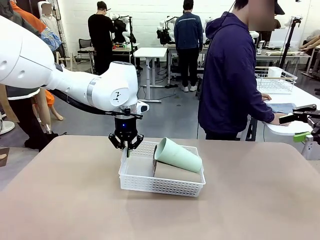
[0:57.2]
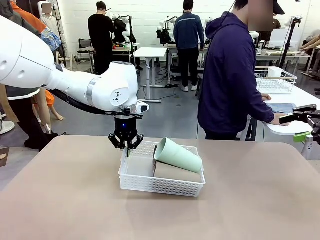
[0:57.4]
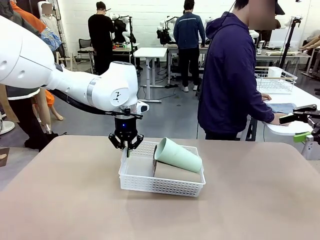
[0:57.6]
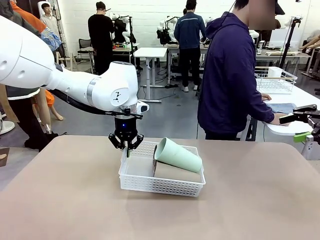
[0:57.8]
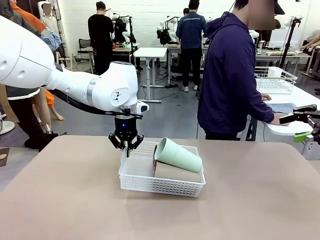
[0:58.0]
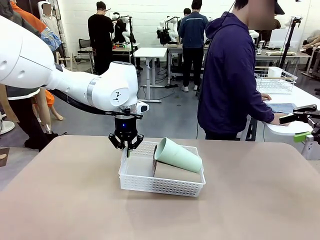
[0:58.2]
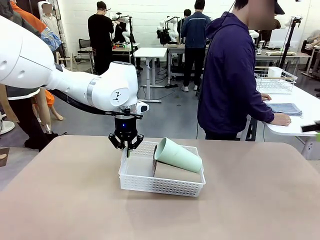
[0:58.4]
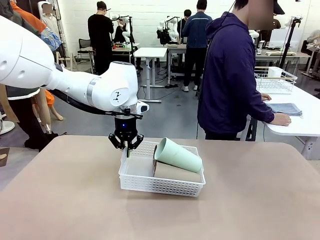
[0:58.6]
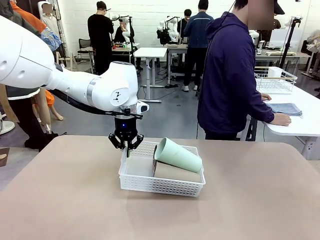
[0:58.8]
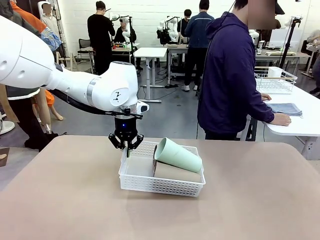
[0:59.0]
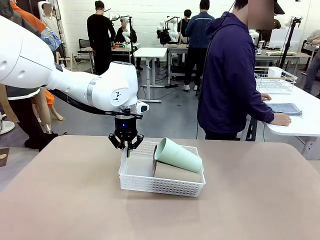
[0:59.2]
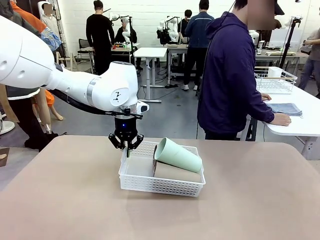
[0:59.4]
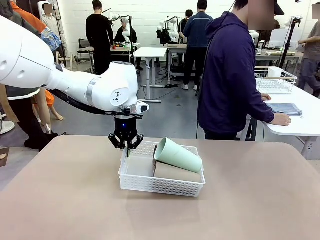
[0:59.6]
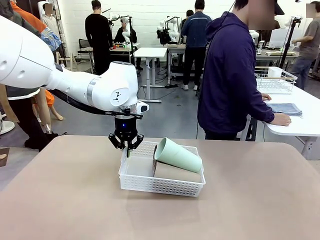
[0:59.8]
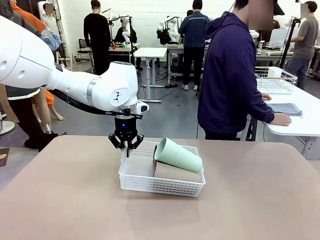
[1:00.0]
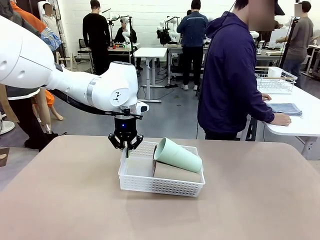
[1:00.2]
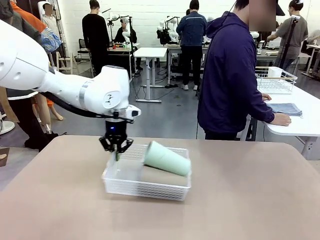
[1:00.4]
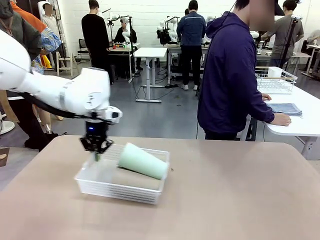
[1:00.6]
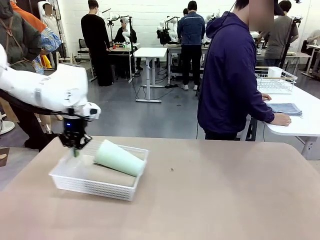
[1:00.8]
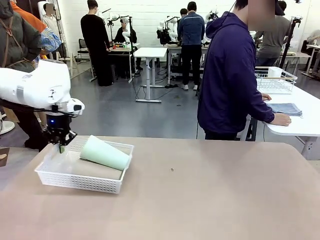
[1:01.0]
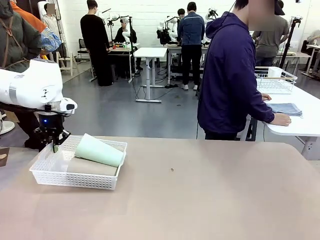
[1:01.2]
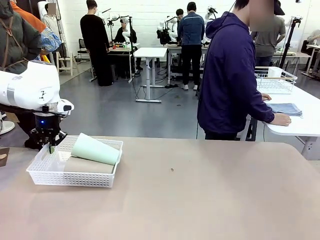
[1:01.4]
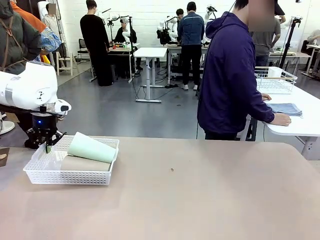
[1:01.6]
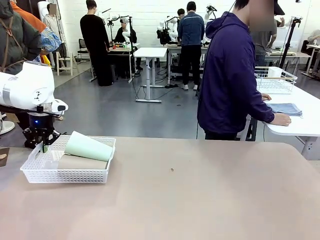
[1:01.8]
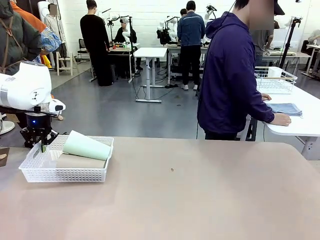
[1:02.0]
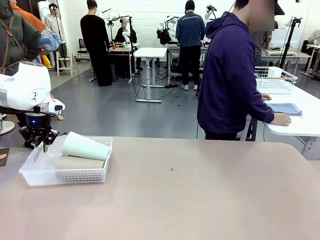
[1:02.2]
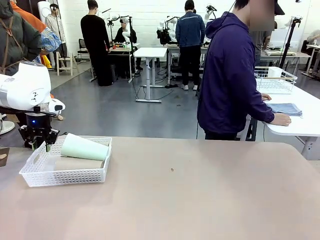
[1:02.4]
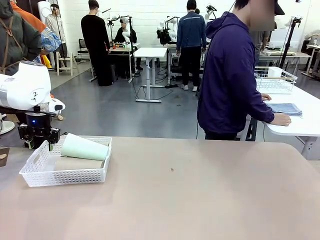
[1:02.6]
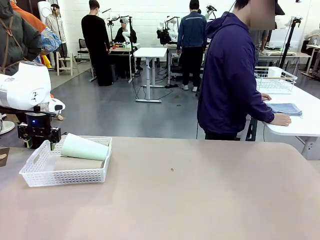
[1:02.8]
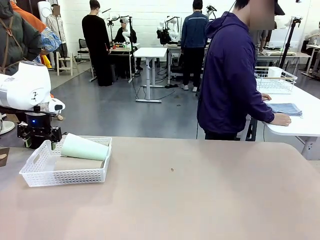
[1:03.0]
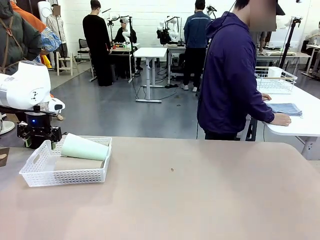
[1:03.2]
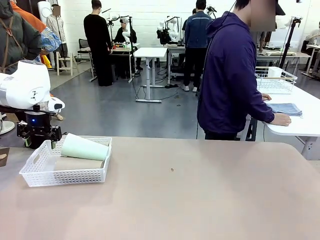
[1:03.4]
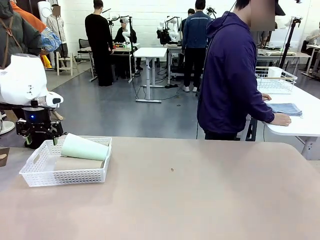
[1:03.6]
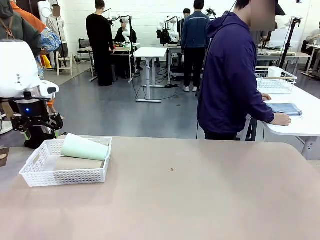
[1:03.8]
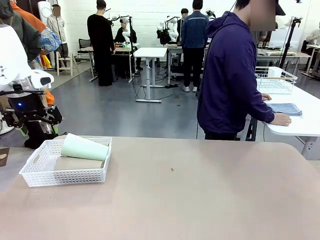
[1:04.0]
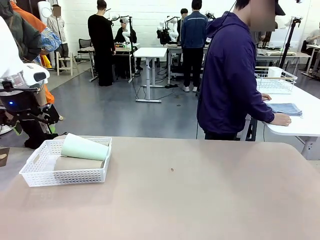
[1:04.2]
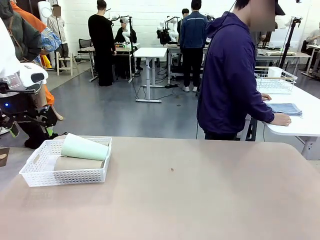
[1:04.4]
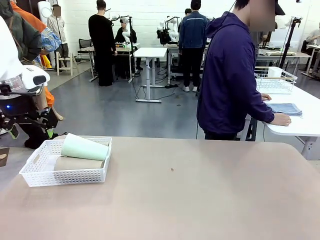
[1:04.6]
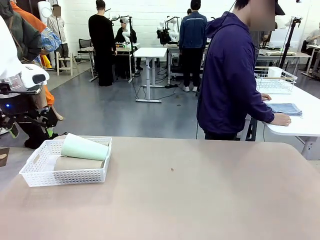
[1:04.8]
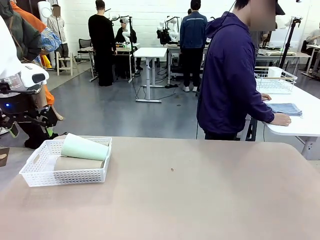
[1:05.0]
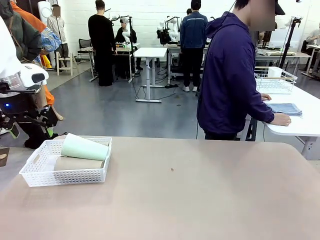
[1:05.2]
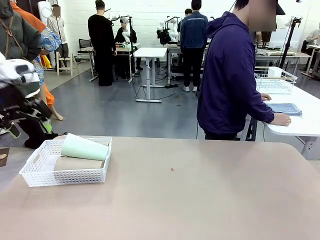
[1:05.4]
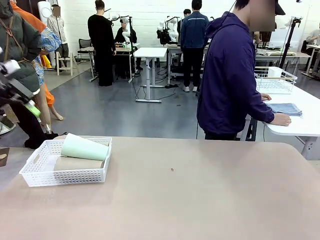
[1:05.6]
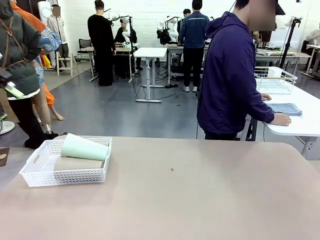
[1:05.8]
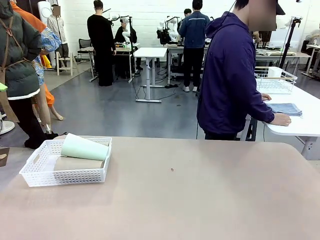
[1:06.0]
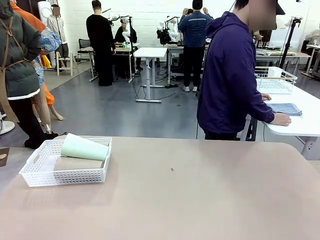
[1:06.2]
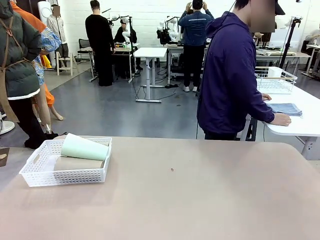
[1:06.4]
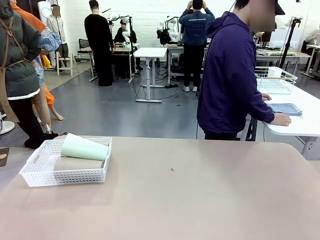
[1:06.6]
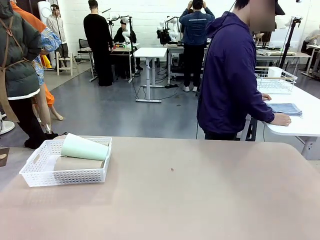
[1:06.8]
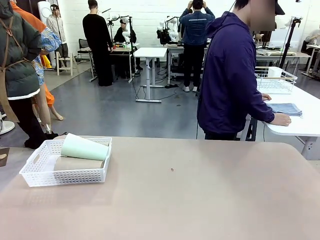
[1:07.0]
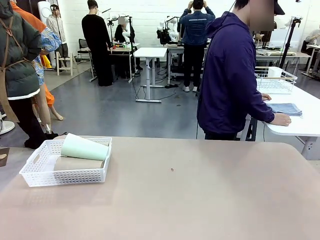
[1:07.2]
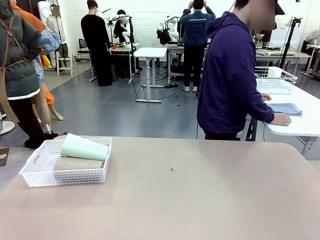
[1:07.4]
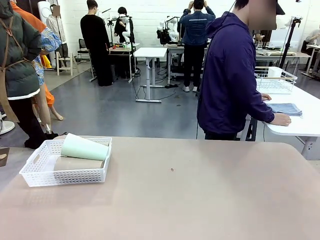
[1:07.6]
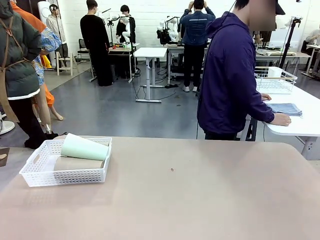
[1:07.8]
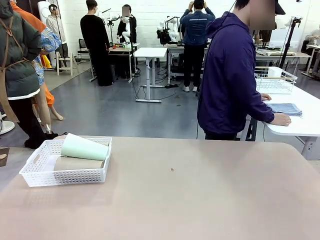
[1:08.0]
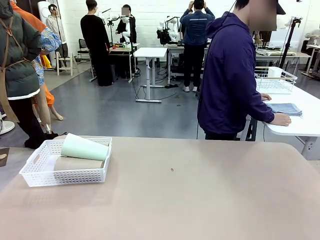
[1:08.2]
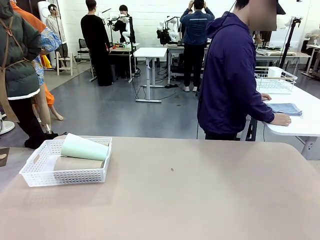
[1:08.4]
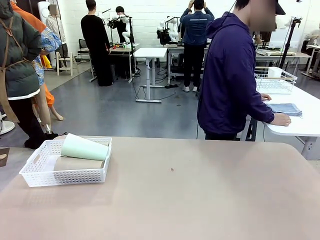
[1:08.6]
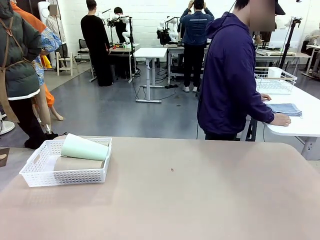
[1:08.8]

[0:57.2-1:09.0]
Task: Clean and organize the cups into the basket.
Robot: Move the Organizing basket back to the left side of the table.
Person: Folds the towel in half twice and places it in the right of the table.

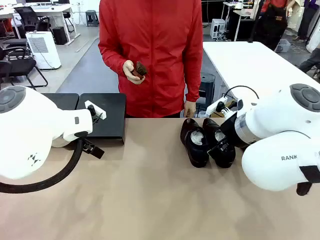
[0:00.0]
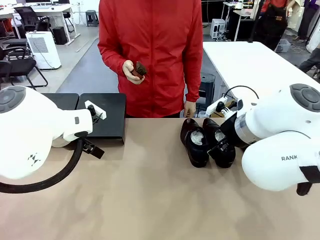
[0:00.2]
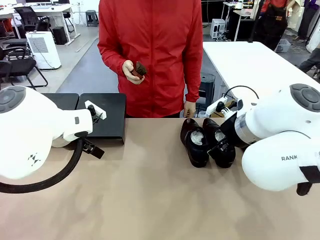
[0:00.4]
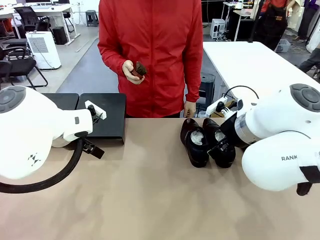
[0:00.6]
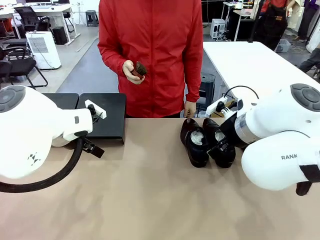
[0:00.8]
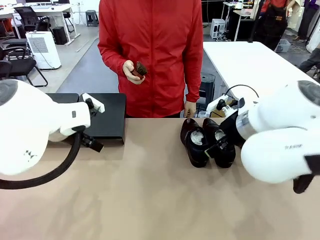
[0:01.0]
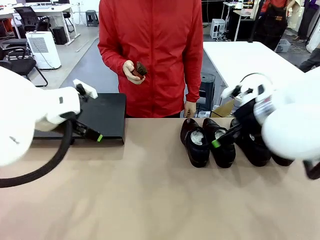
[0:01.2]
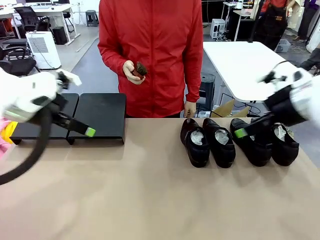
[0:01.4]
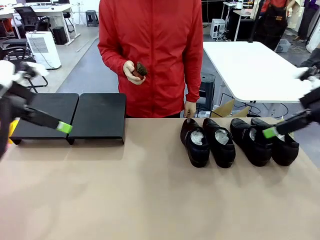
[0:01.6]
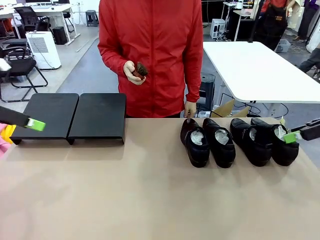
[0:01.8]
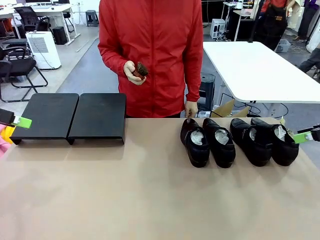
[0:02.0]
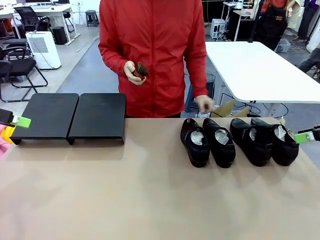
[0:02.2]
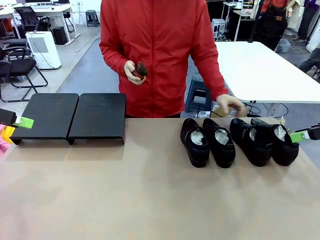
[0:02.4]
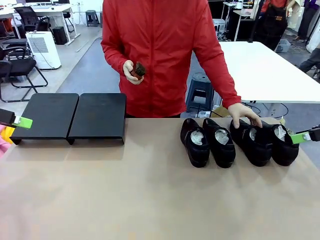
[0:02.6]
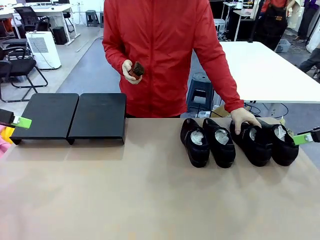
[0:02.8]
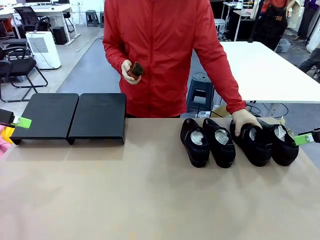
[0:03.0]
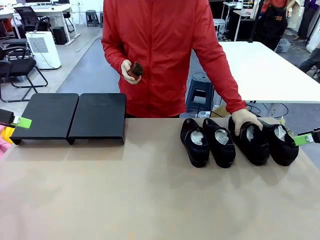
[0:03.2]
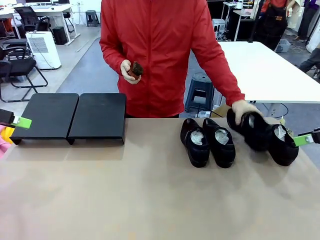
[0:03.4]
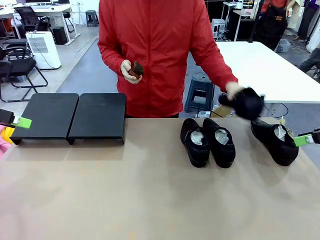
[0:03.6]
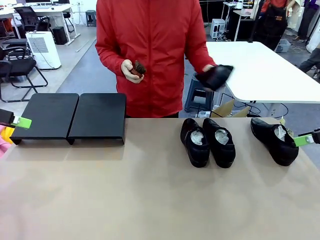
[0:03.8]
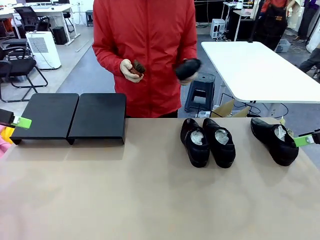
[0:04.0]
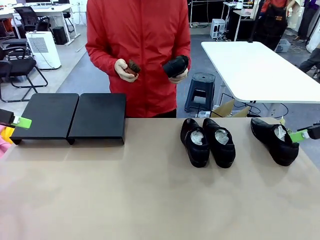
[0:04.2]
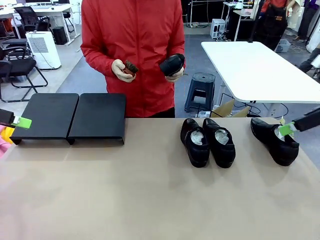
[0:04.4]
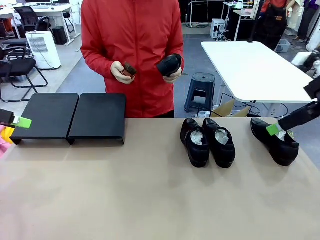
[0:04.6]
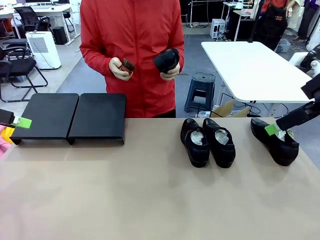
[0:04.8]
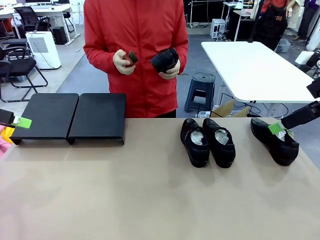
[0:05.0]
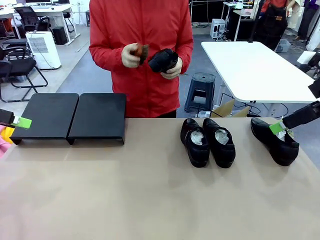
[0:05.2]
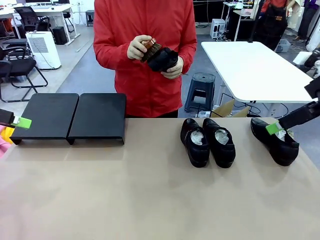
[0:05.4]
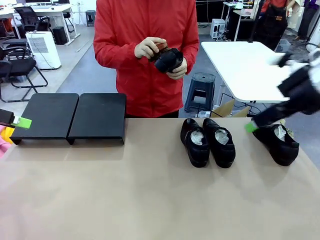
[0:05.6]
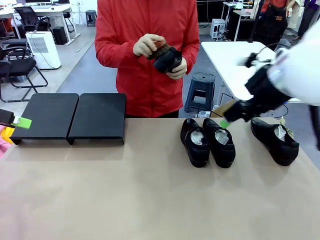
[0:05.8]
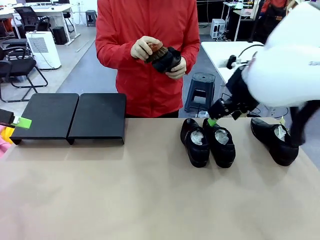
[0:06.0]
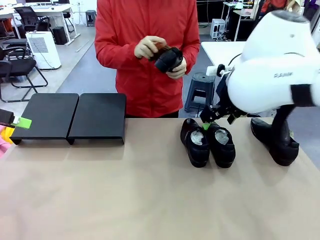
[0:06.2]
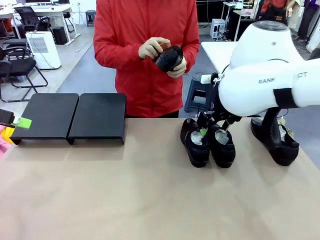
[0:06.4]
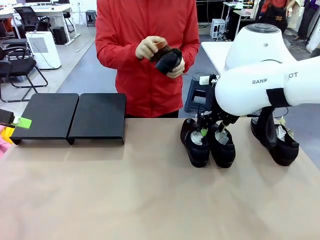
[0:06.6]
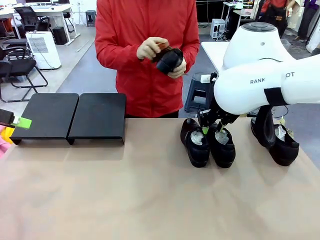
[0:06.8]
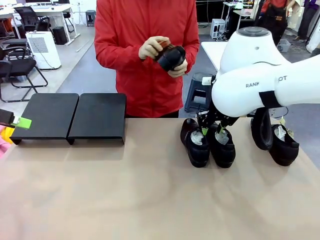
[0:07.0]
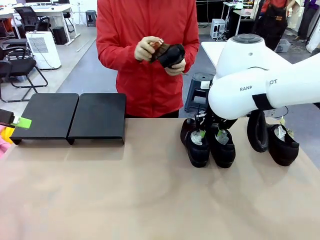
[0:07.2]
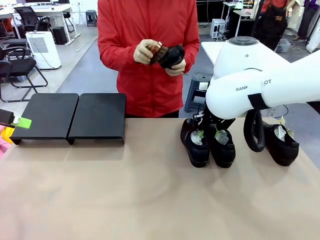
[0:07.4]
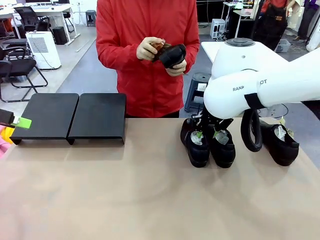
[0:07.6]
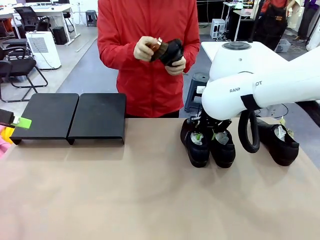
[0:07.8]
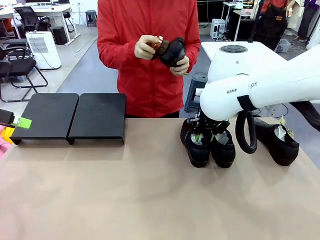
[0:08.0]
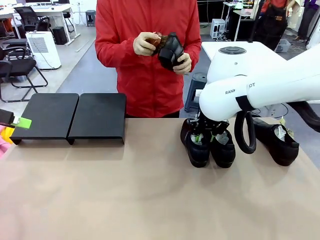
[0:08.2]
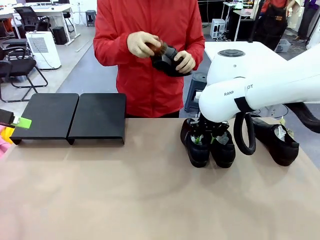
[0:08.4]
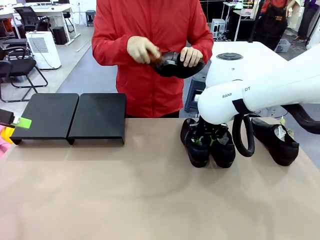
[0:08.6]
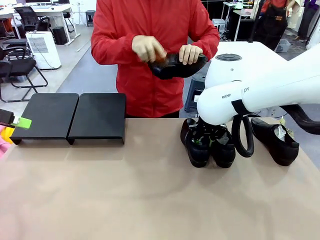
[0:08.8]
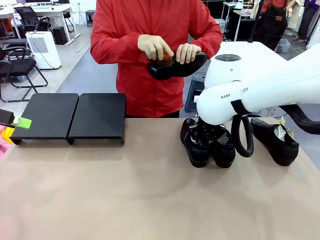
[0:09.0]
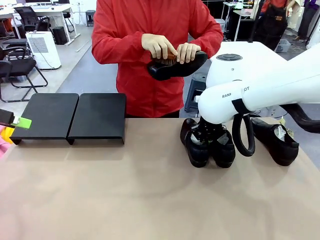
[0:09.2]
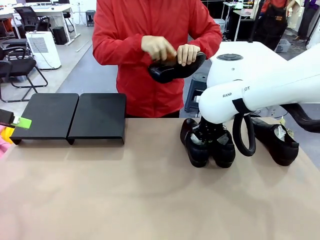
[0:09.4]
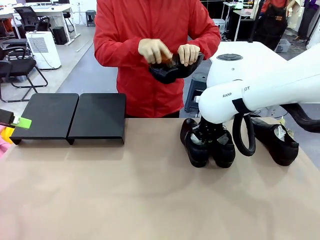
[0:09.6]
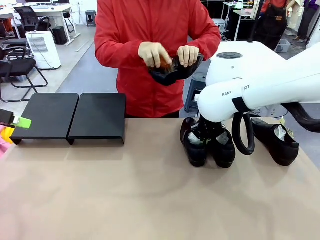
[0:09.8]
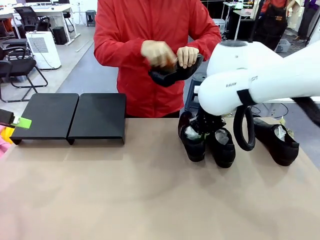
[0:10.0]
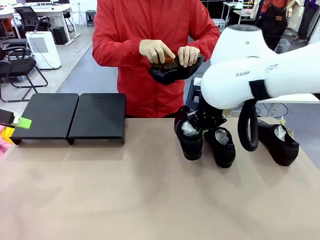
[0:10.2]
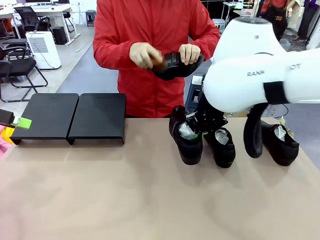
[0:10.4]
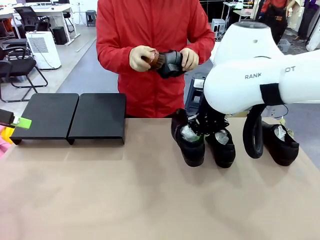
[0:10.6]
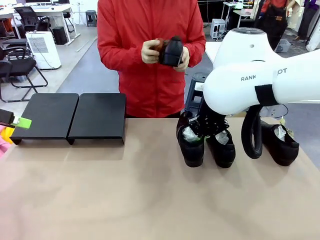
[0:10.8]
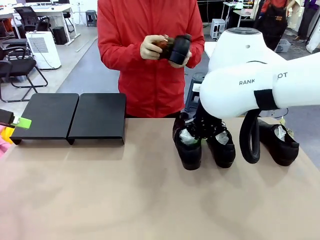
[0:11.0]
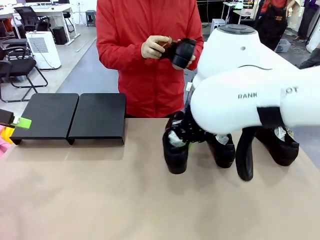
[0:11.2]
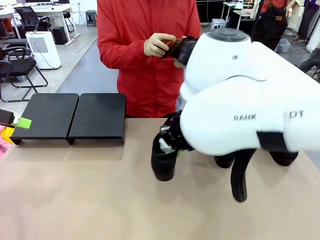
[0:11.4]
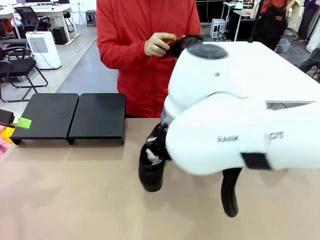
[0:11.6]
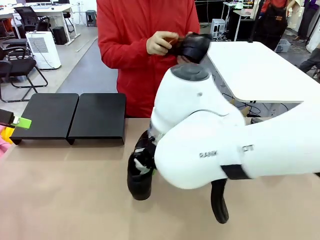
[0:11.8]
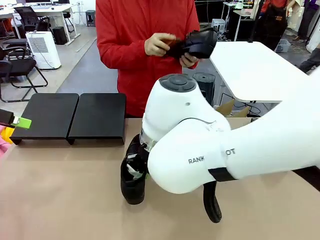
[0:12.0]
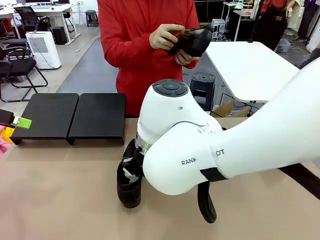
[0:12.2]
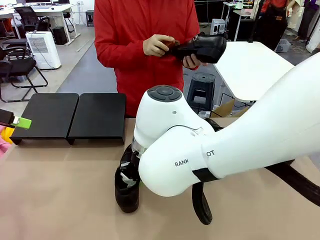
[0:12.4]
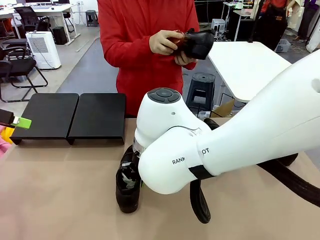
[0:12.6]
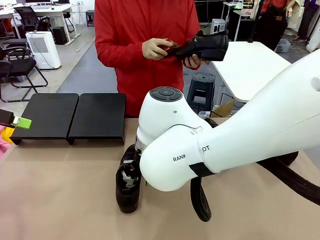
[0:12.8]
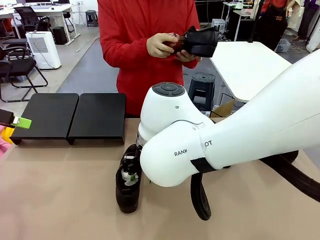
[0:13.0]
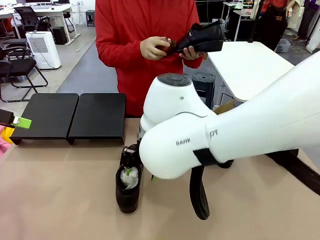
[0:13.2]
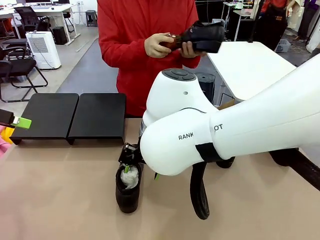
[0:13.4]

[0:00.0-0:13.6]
Task: Organize the shoes by placing them on the stand.
Robot: Pick up one Shoe and place it in the middle of the table.
Person: Pick one Shoe on Robot's table. Clean the Shoe with the Shoe Brush.
